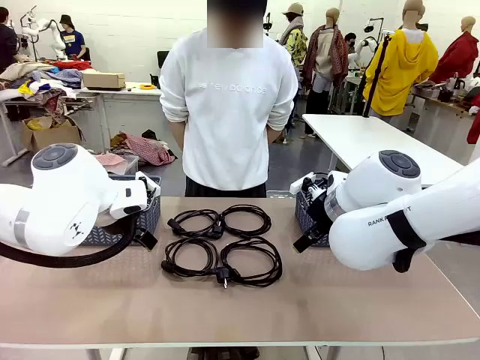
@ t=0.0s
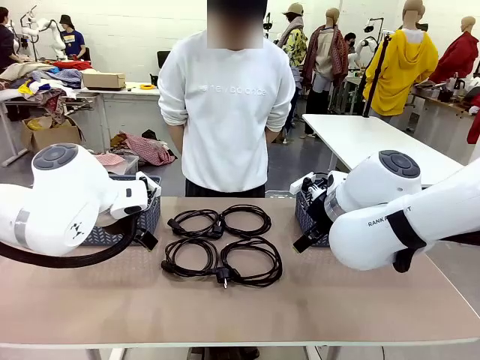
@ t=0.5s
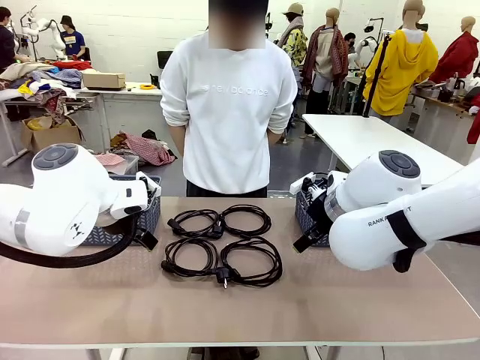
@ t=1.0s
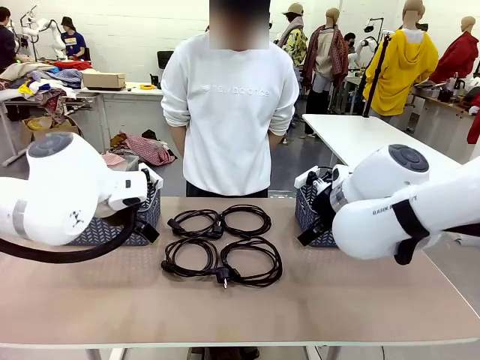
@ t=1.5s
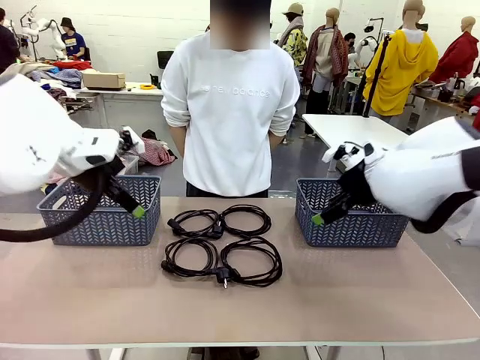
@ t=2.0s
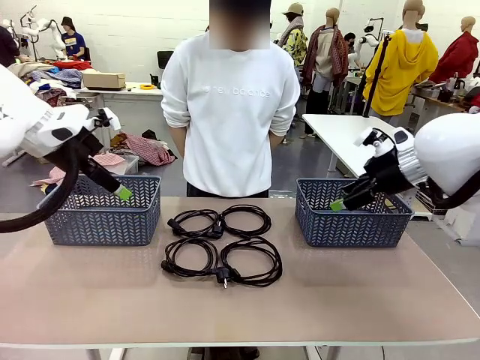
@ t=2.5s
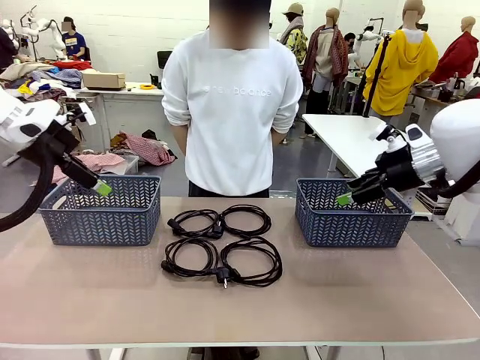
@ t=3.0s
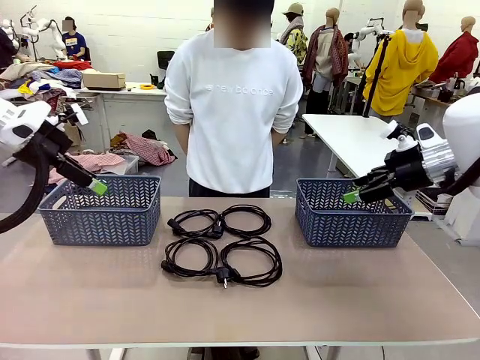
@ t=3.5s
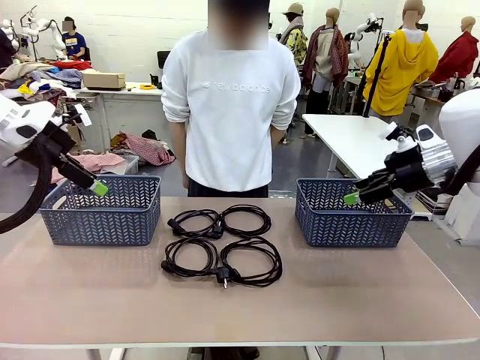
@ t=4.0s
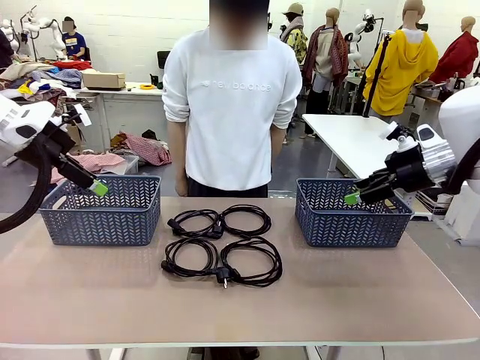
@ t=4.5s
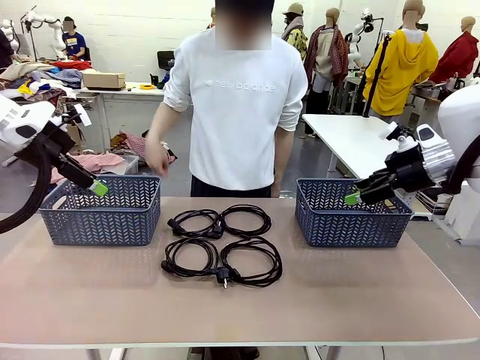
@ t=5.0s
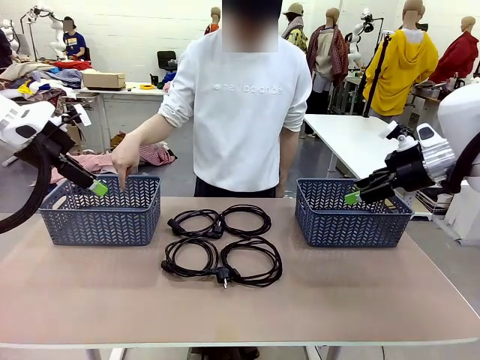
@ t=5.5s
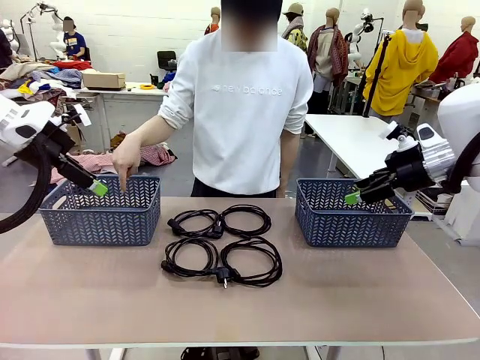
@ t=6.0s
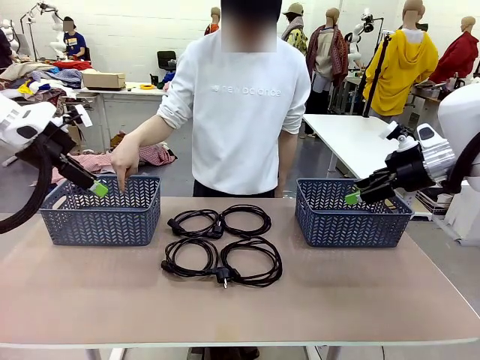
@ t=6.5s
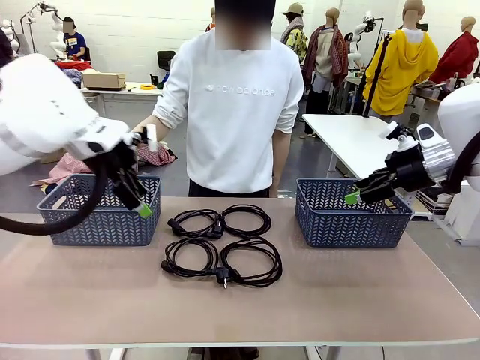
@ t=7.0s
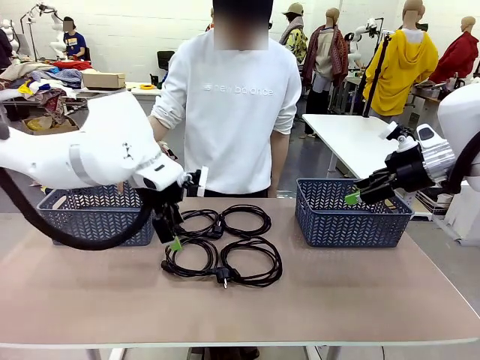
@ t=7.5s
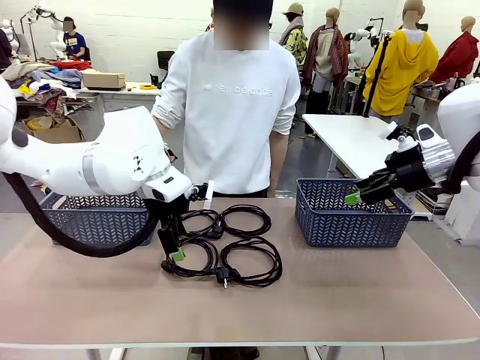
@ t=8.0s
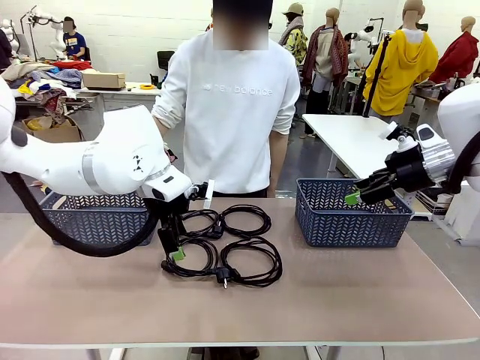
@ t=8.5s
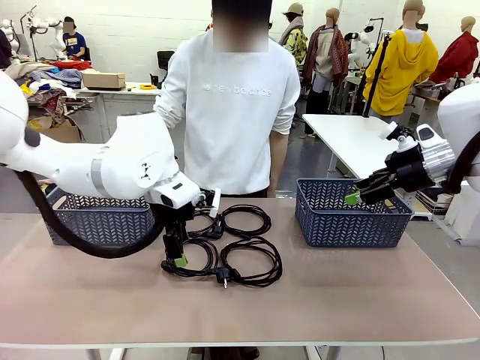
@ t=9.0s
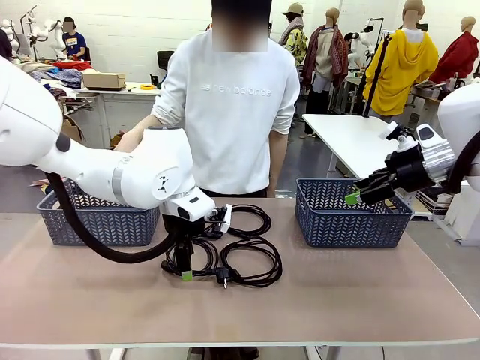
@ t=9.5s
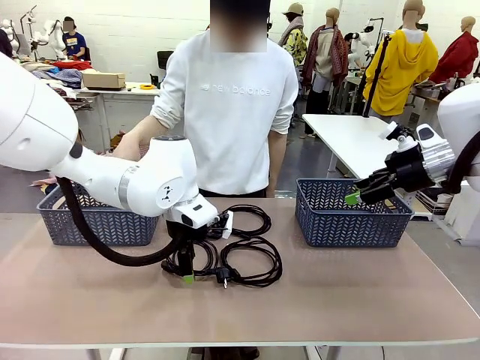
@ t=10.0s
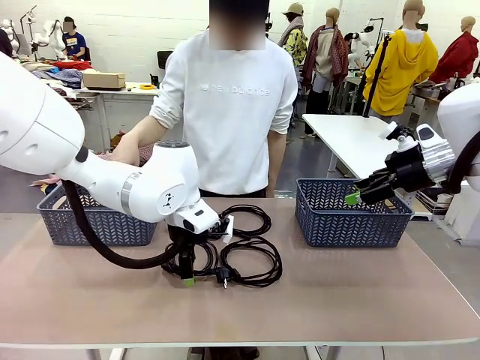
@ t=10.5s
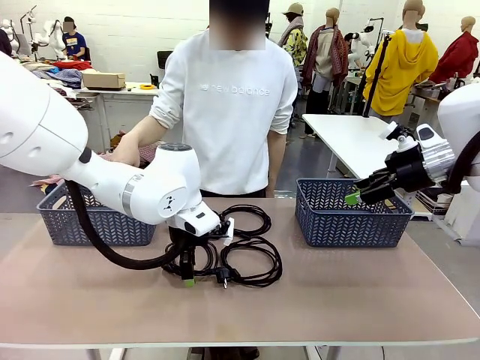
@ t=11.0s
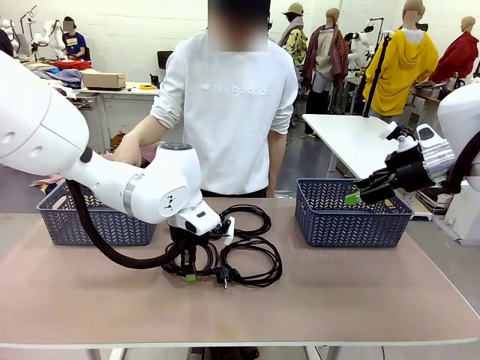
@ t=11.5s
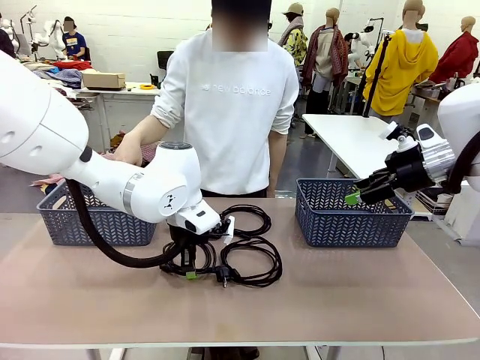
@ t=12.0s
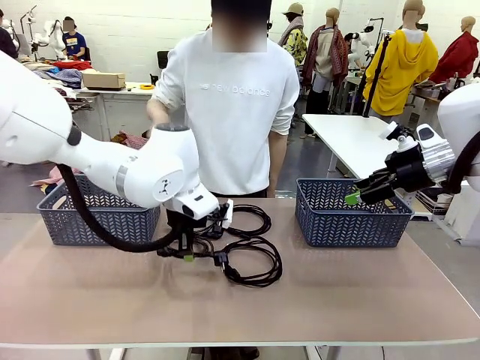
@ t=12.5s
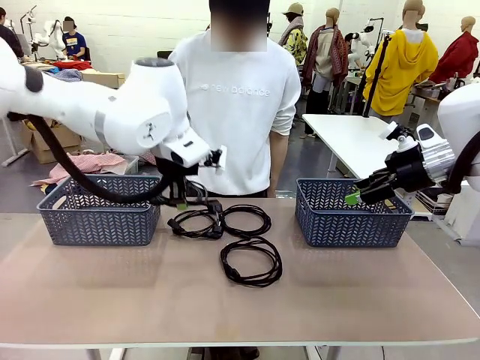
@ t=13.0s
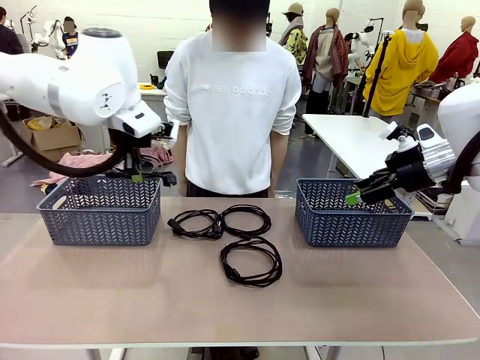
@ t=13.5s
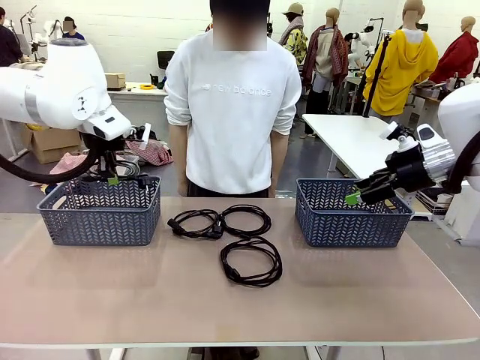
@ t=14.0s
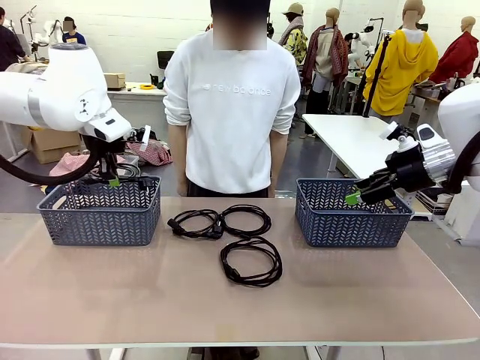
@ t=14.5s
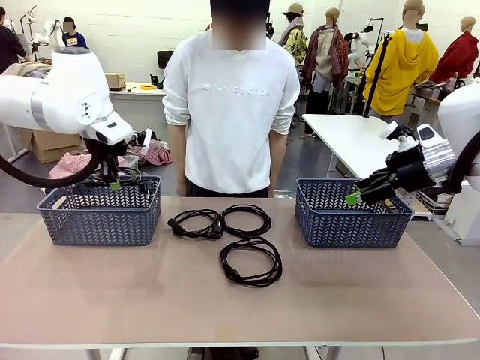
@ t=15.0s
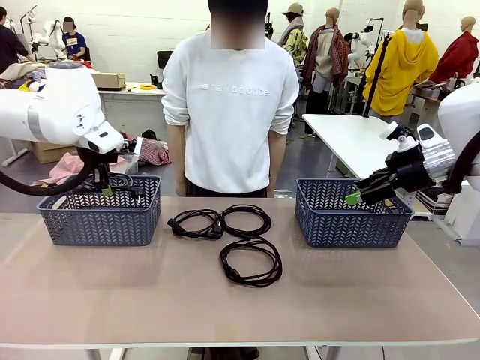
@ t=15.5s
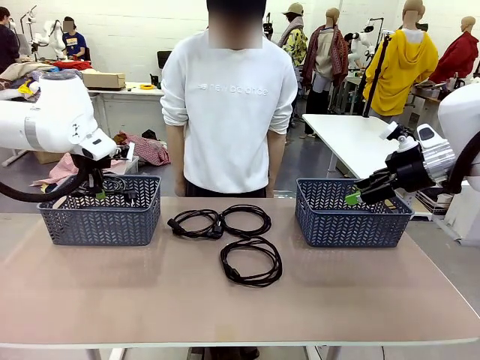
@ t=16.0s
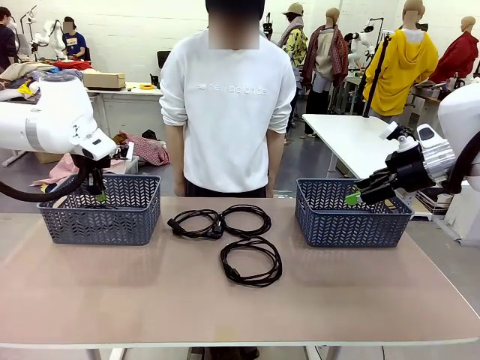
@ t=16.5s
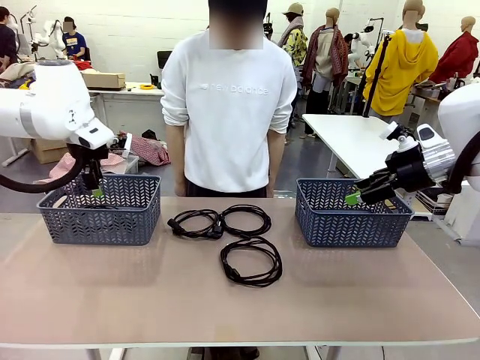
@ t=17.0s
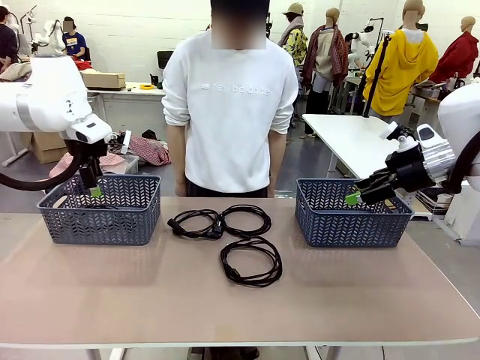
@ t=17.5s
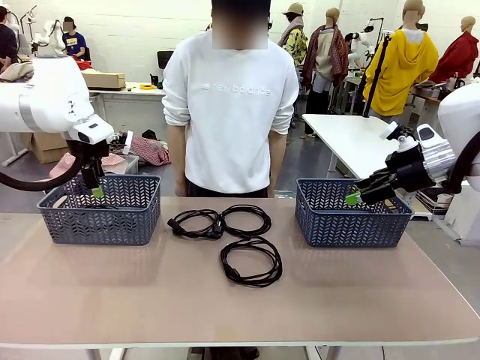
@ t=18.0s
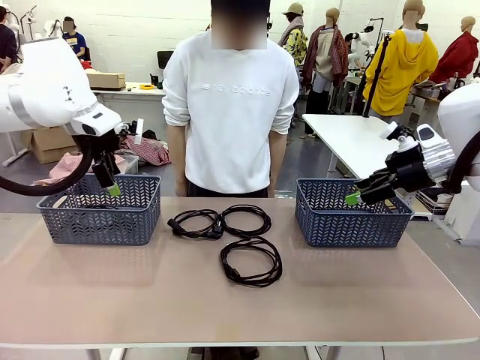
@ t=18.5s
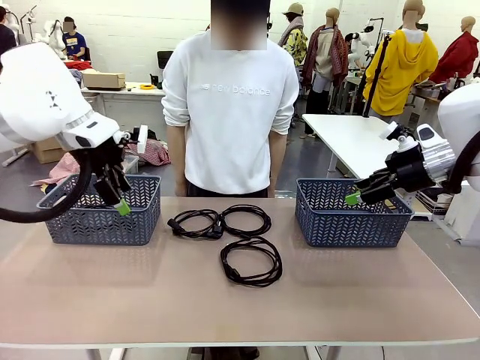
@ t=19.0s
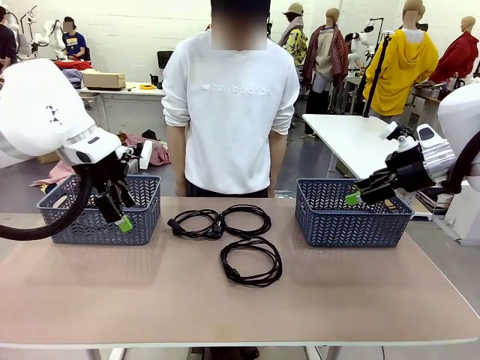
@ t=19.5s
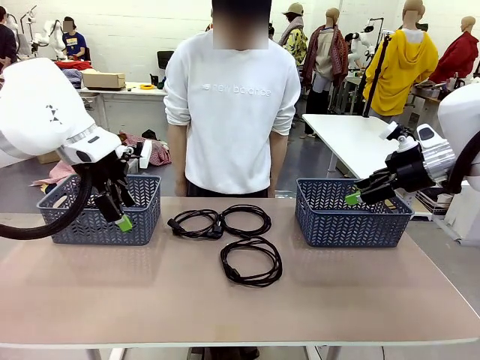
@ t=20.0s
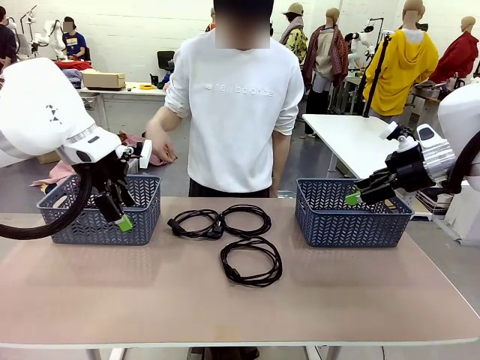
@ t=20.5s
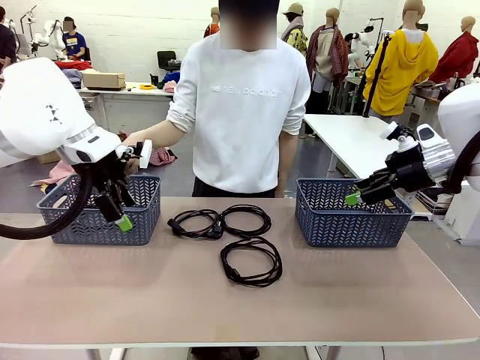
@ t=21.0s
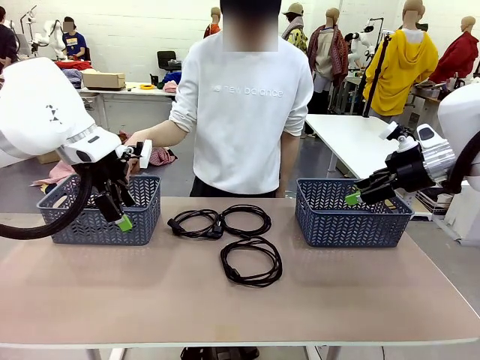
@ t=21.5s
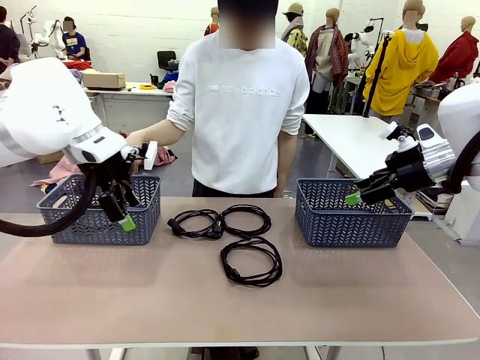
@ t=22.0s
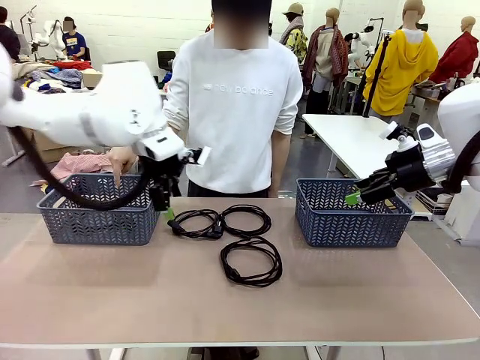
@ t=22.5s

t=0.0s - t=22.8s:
Task: Organize the cables according to human instructions.
Robot: Pick up a bundle of cables and place it in the basket indicated by the human.
